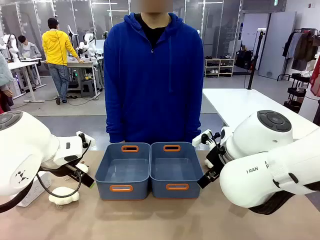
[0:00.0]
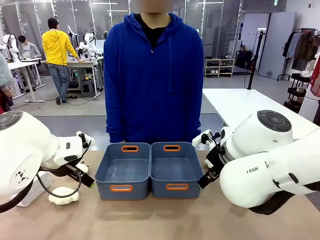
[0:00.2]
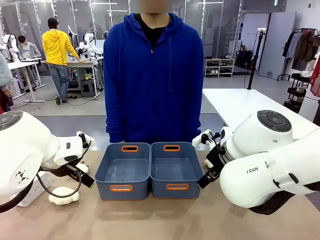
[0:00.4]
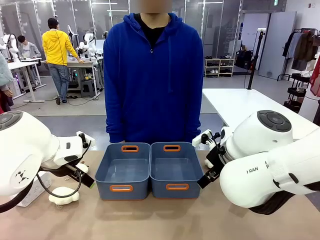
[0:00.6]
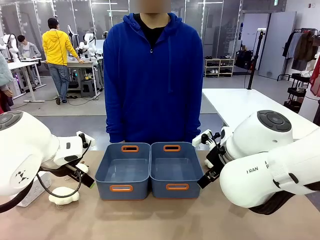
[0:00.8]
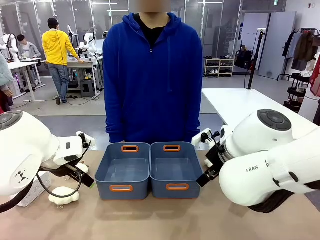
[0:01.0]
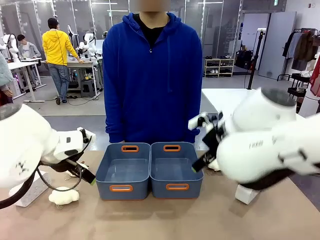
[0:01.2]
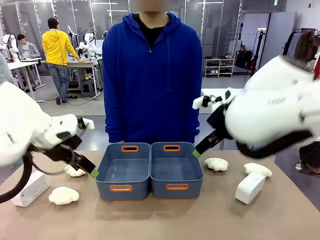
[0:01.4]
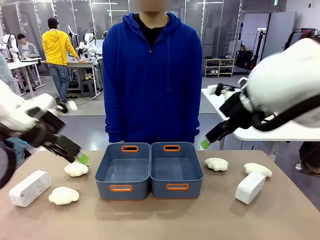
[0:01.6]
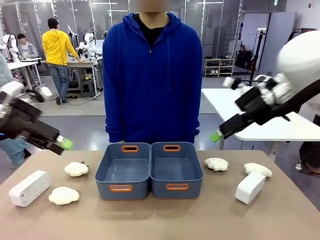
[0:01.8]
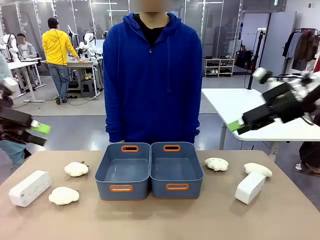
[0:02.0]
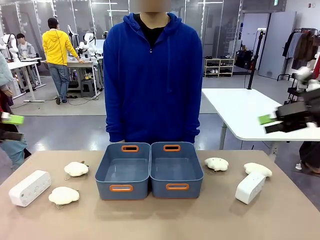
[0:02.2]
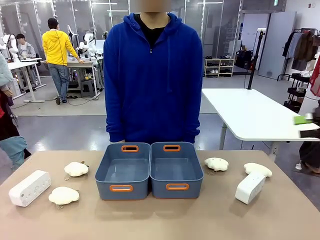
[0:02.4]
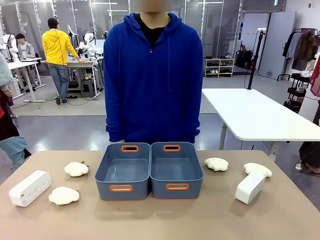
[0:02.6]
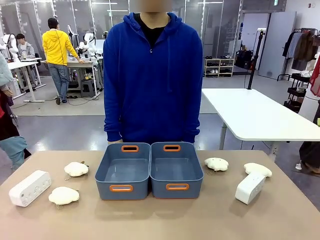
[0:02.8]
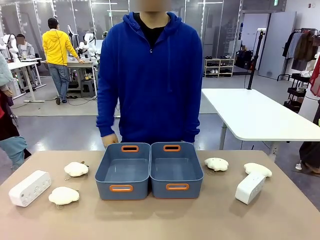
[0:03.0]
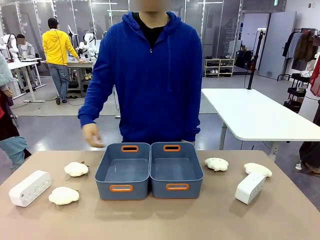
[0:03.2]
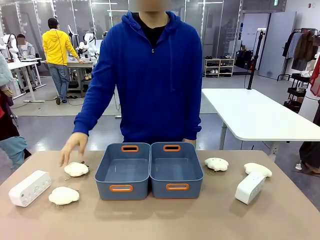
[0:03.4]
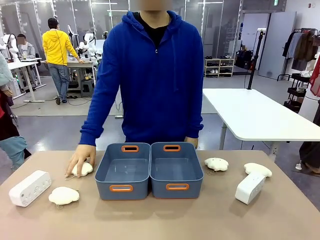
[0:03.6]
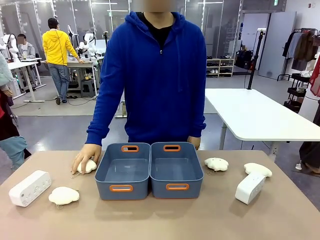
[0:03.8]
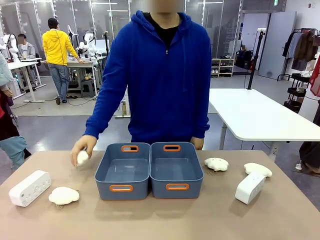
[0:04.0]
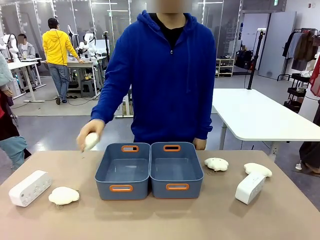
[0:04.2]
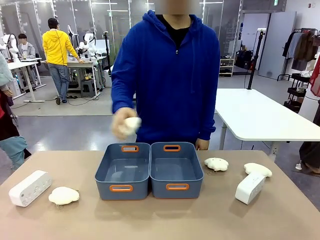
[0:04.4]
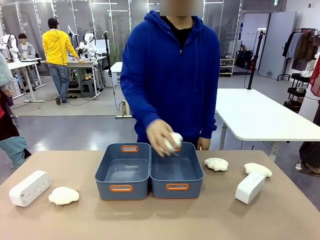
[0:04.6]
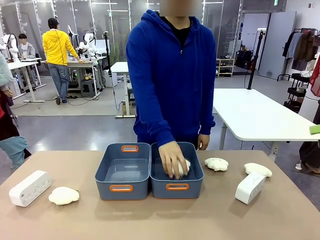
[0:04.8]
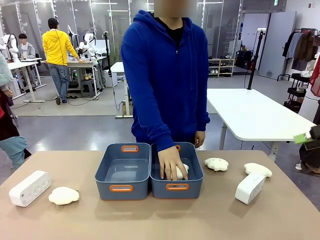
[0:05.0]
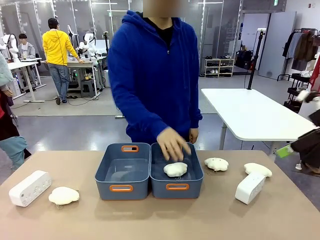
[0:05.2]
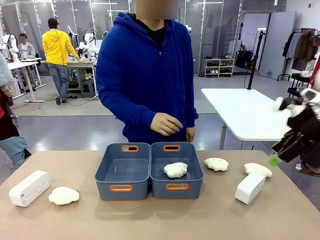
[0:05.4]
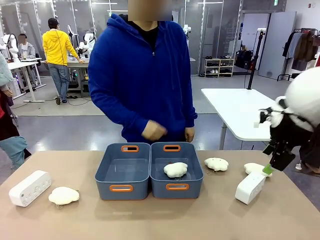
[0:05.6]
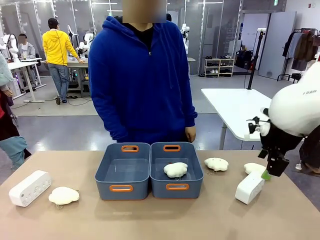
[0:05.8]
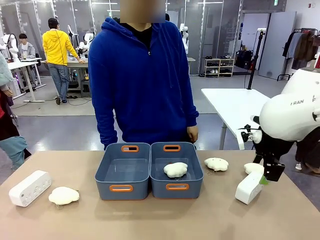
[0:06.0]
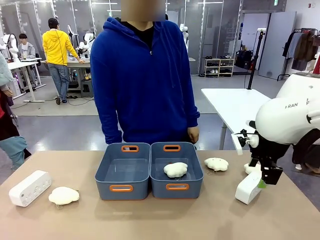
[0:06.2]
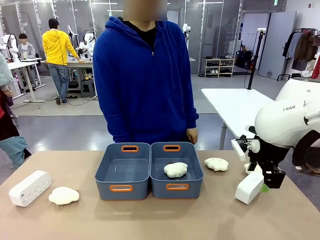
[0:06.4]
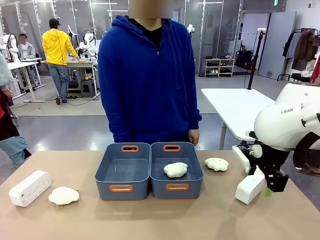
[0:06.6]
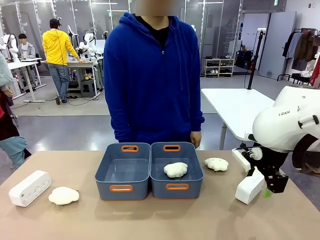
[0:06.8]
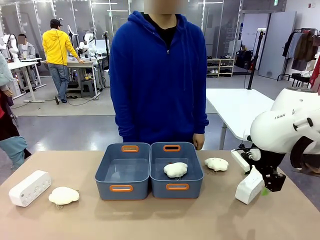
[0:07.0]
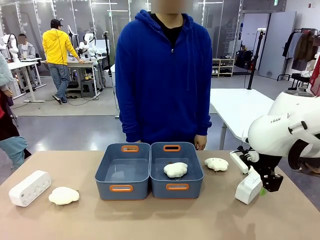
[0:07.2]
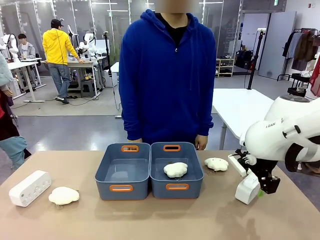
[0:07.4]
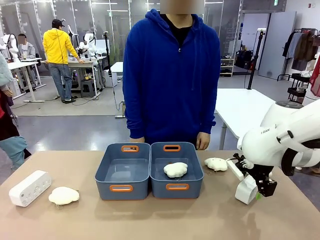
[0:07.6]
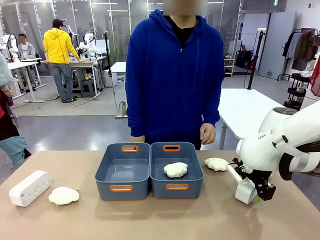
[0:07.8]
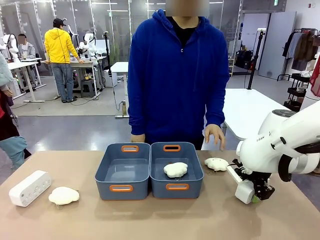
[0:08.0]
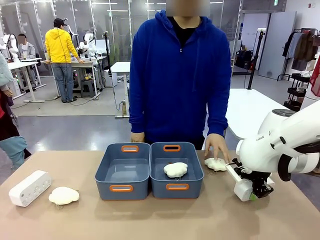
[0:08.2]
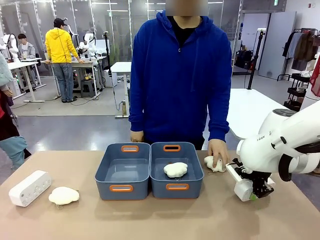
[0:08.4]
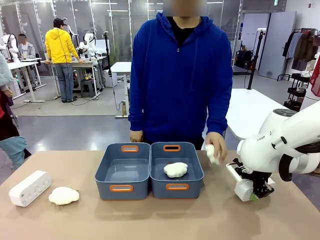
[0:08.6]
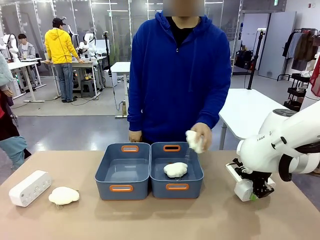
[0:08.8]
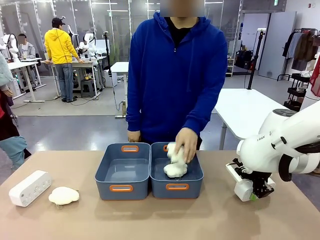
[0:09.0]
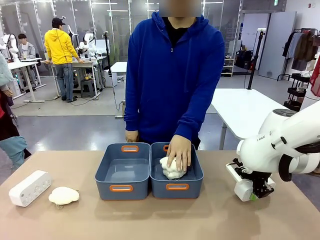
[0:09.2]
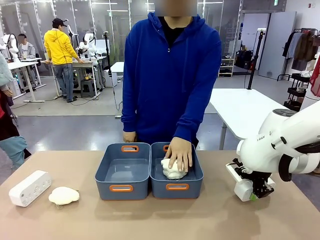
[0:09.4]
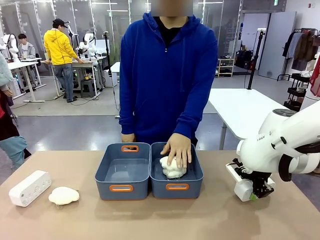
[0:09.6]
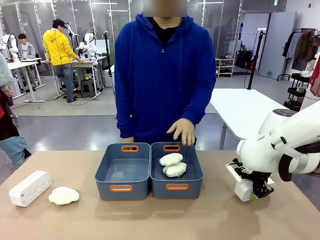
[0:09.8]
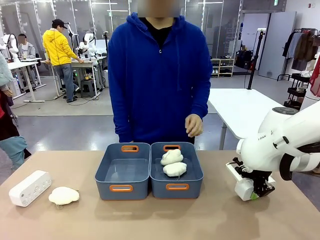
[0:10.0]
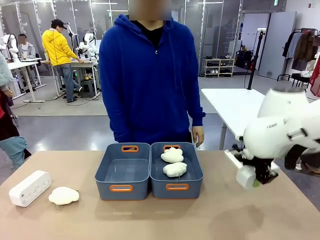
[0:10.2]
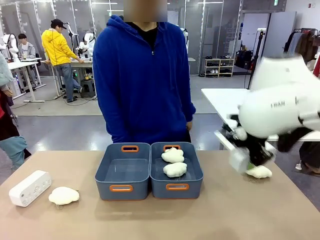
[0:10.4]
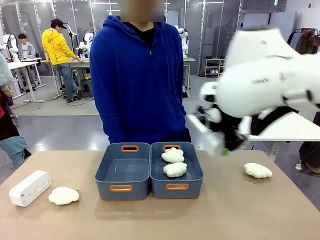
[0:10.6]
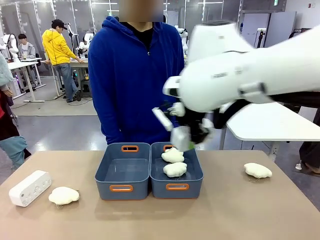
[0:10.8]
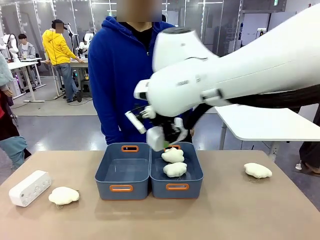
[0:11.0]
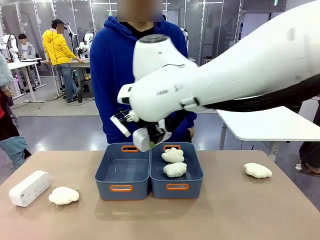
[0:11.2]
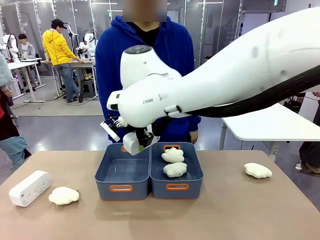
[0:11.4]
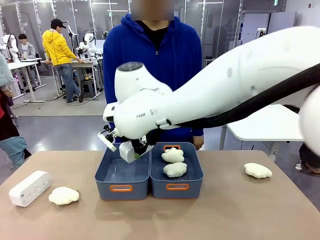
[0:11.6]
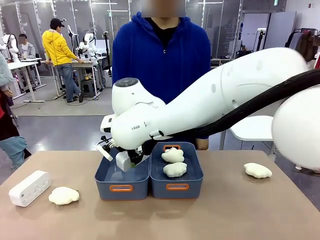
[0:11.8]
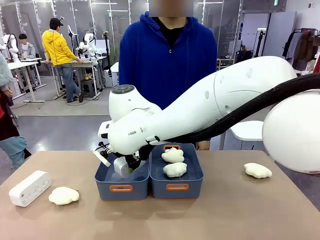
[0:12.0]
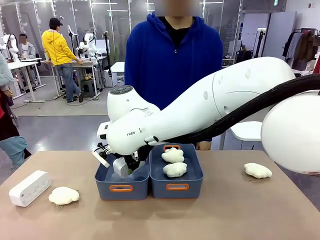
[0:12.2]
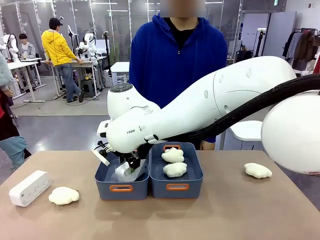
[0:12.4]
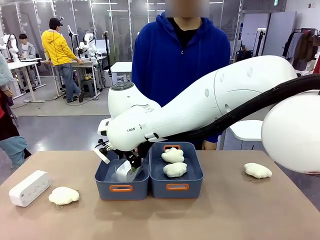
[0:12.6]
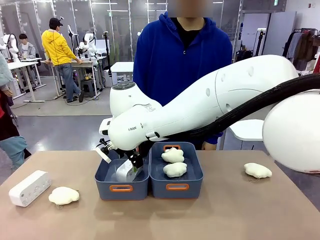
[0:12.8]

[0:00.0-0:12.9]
Task: Sort the digital clocks into the basket.
Robot: Pick up the Digital clock from the table and place it into the empty Plastic storage basket.
Person: Pick up a plush toy from the table and place it in a plastic storage basket.
